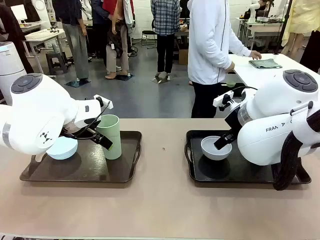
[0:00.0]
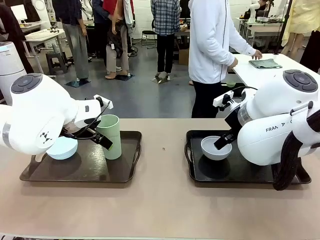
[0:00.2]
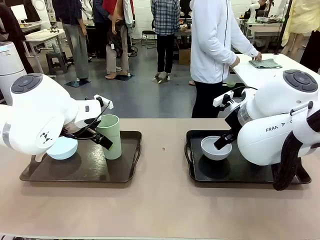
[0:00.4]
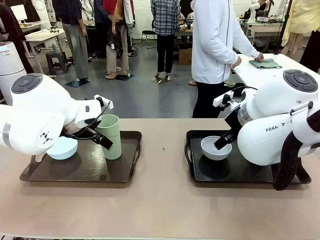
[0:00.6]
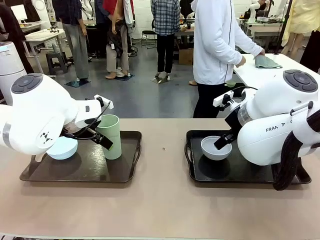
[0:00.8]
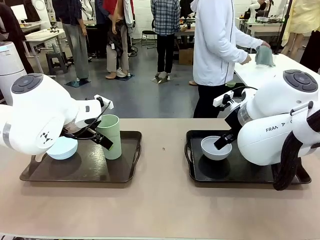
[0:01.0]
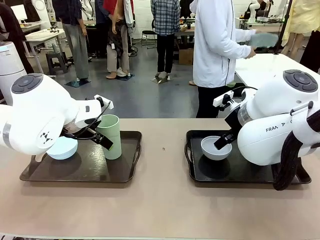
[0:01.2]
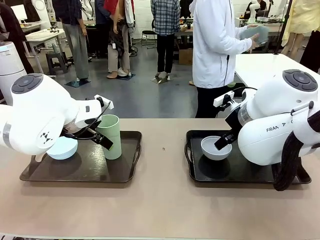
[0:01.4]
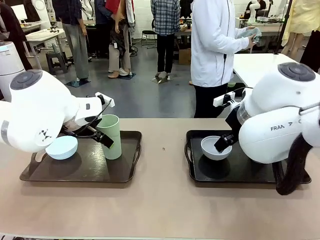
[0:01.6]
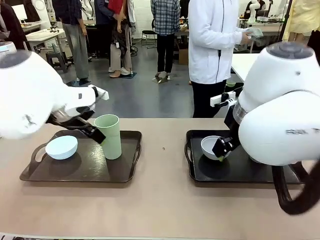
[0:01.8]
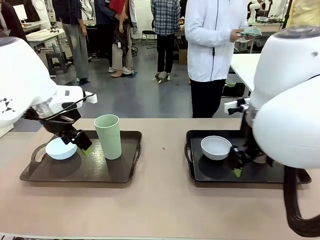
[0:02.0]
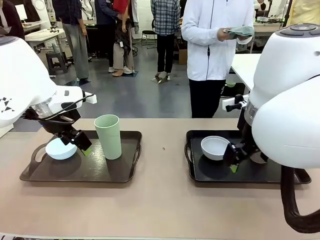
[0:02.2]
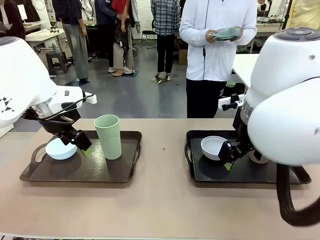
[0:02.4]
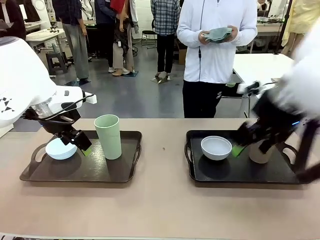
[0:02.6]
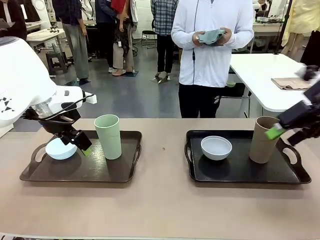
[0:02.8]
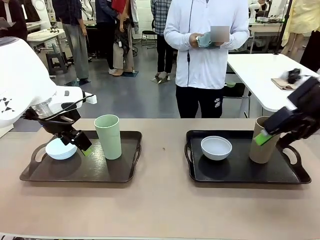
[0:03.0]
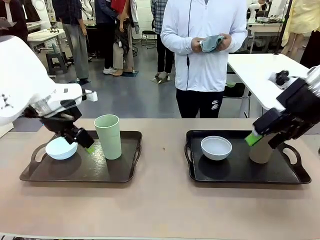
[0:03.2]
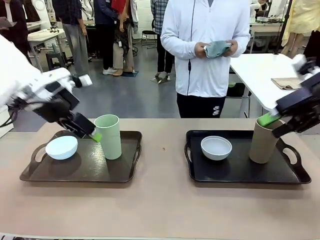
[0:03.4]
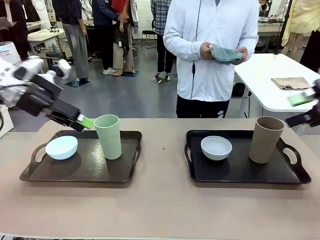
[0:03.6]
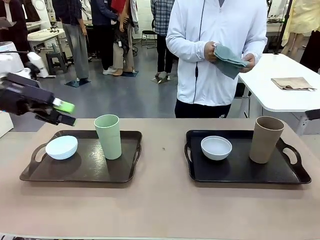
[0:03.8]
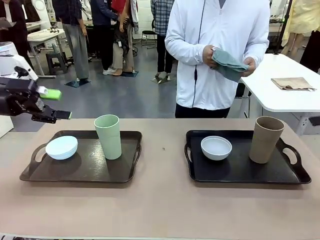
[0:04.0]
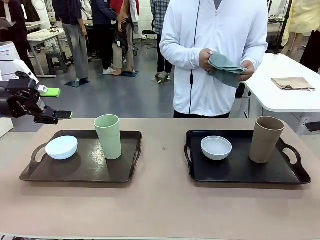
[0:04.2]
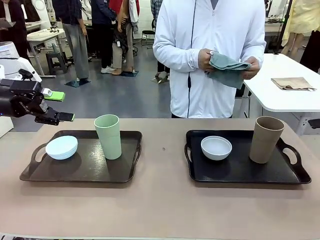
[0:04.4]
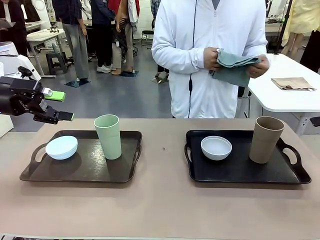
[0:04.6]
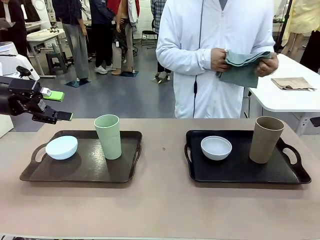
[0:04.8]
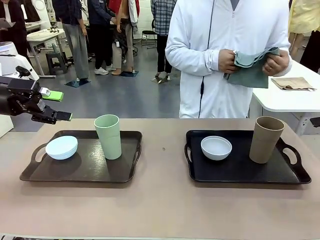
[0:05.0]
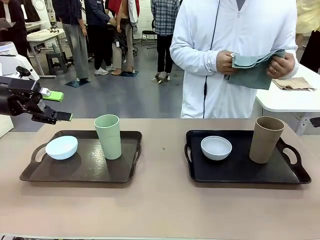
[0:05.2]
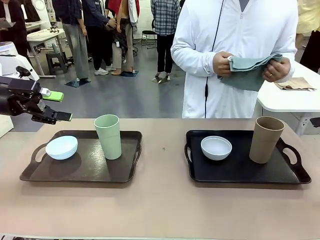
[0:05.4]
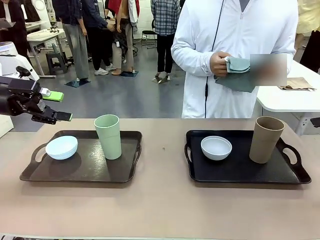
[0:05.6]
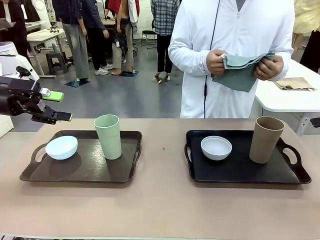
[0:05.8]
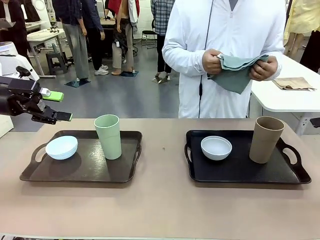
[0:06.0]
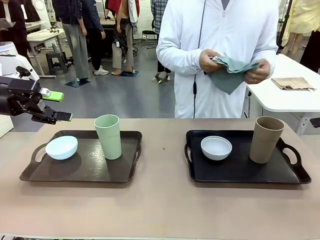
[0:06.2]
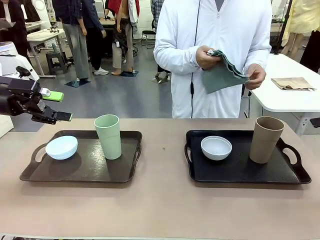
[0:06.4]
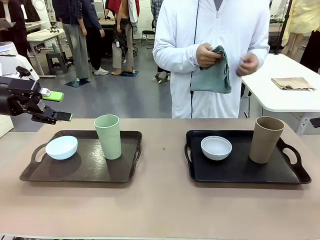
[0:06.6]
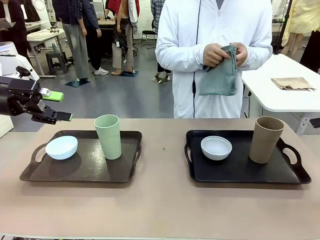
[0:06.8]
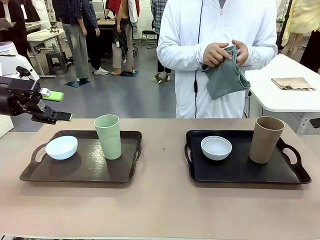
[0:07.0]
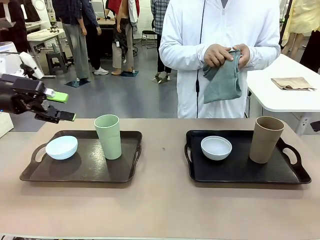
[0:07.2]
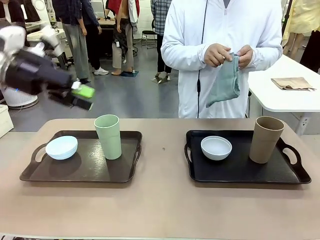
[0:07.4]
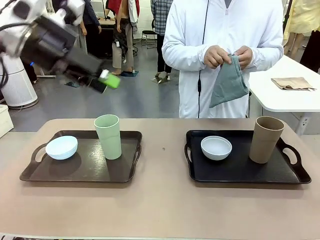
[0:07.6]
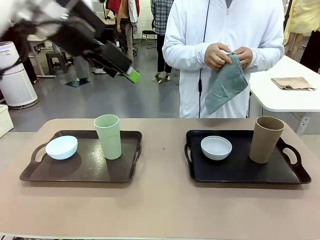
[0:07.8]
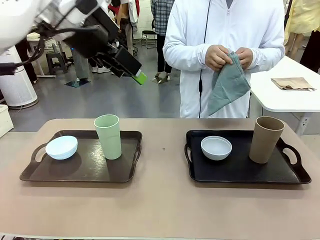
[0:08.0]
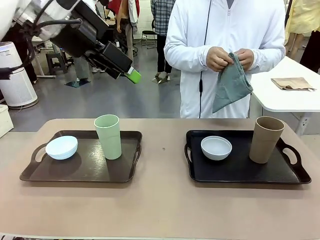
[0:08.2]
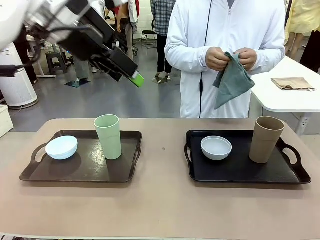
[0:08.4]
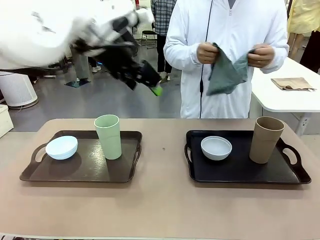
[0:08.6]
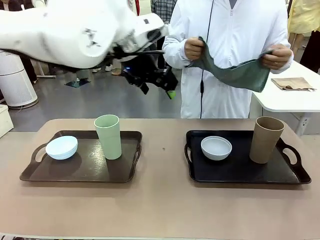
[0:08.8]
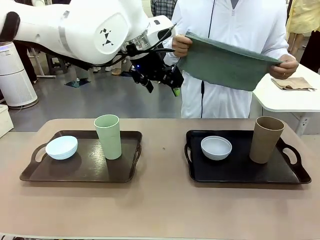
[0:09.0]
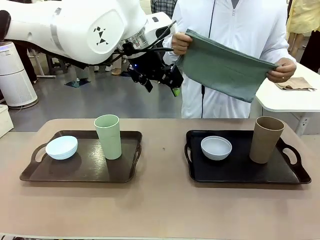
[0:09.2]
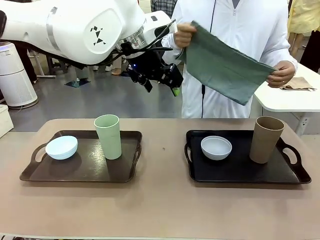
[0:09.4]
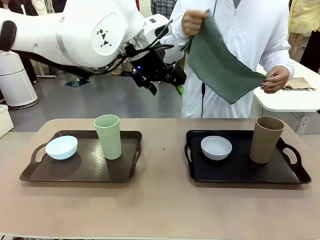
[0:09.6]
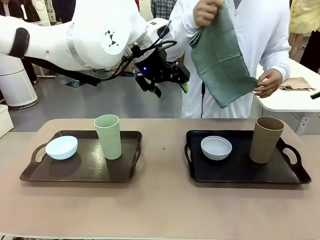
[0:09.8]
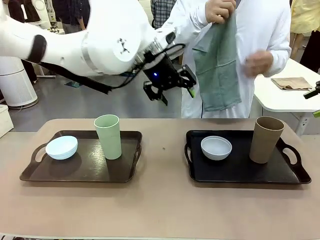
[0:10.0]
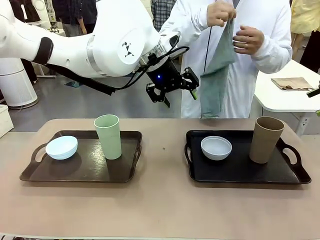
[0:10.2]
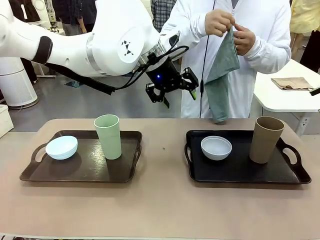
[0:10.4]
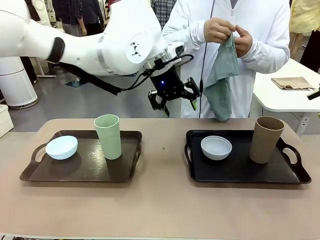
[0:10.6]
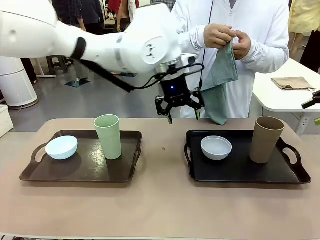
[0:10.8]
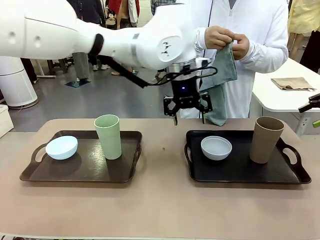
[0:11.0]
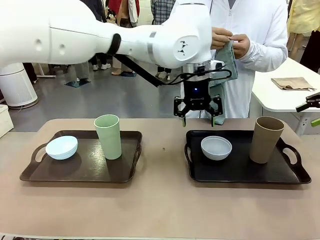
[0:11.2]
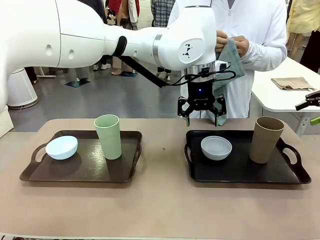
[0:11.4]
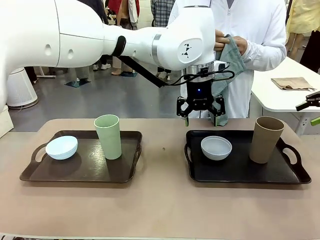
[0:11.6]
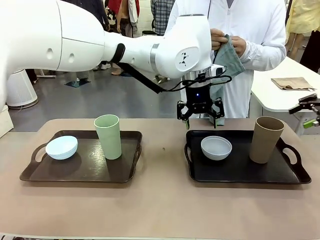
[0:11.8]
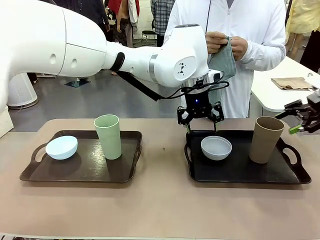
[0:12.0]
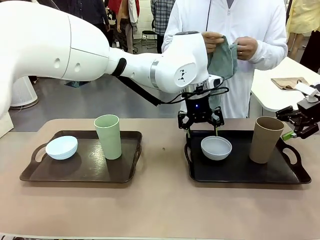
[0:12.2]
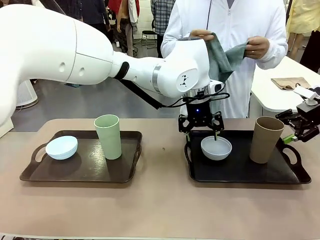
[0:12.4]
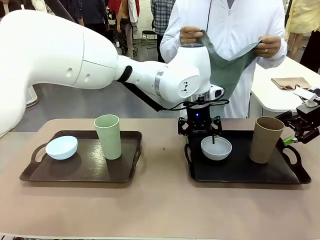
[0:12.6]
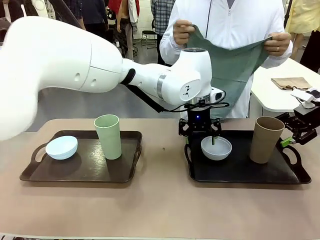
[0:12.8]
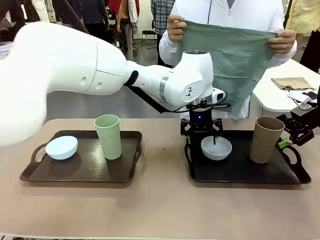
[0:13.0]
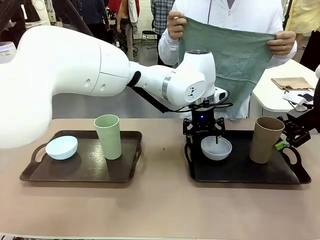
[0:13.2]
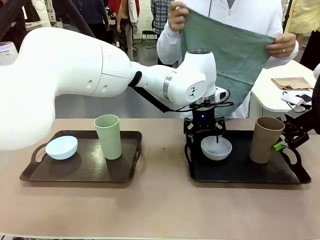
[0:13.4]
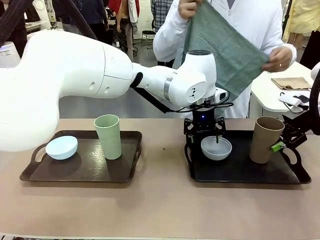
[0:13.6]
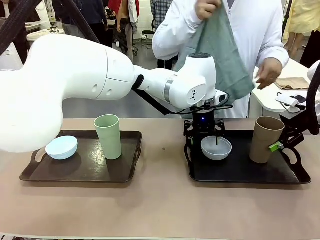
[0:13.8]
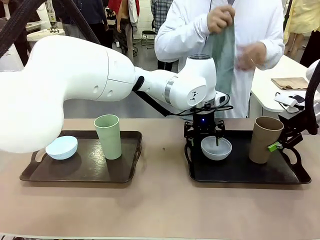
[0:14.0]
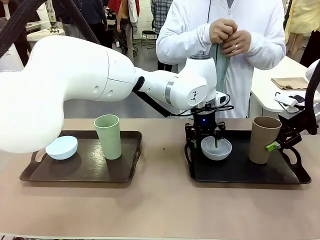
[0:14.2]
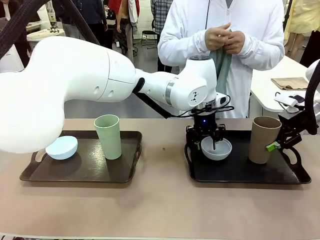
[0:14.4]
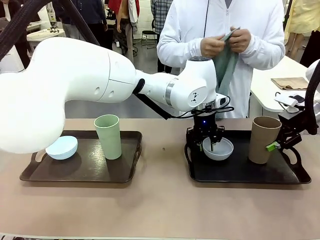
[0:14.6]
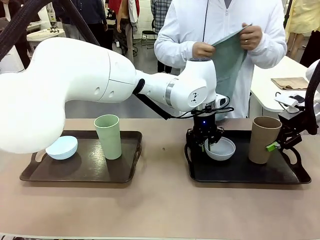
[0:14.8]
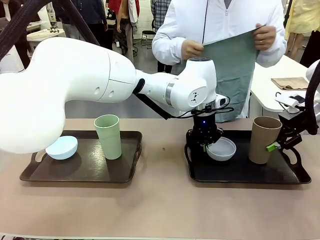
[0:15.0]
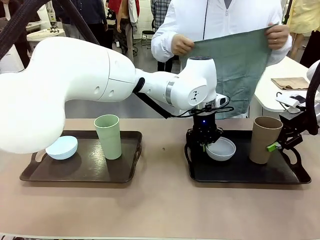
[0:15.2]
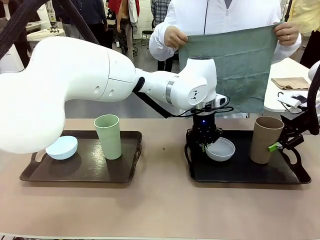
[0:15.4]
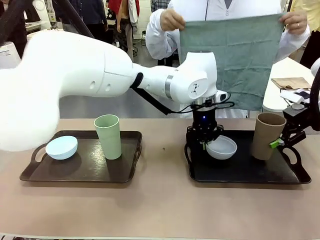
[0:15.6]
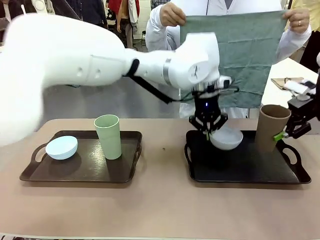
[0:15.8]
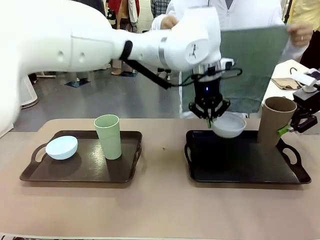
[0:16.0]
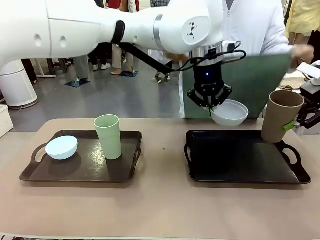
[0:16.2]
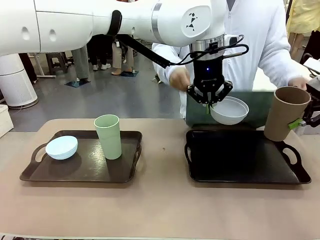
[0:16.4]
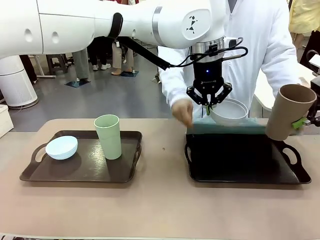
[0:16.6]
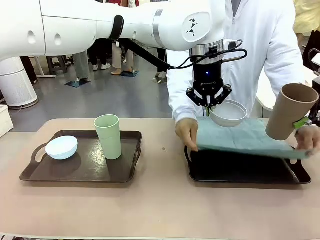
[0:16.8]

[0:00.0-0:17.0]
Robot: Pick up the Picnic Bowl and Reusable plastic cup from the Handle tray in front of the human's position and hold them in the air.
Person: The human picks up the top napkin from the stack on the human table and walks to the robot table to stand in front of one of the two trays. When the robot lifts the bowl and the cup, the human unfolds the napkin and lays the napkin flat on the tray.

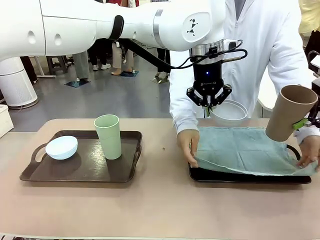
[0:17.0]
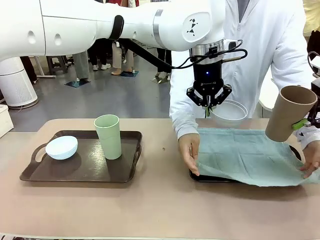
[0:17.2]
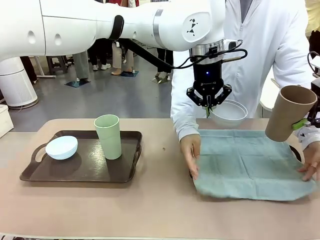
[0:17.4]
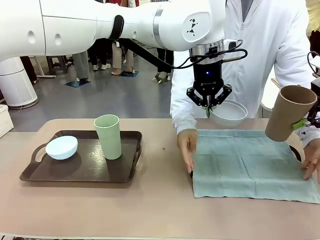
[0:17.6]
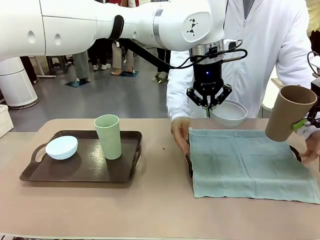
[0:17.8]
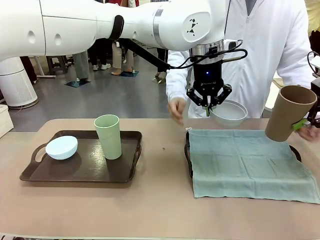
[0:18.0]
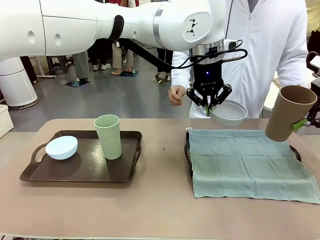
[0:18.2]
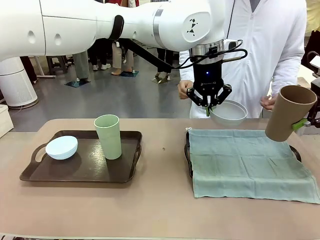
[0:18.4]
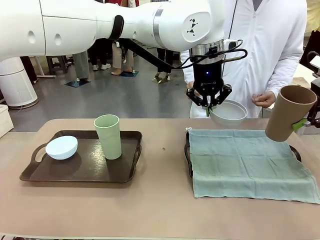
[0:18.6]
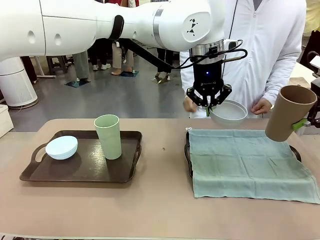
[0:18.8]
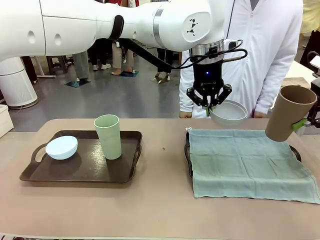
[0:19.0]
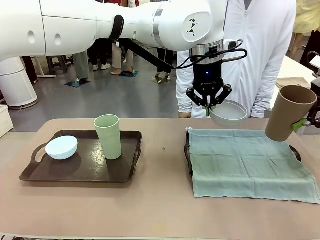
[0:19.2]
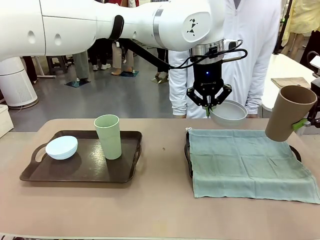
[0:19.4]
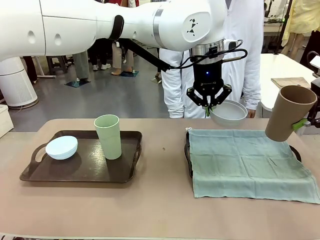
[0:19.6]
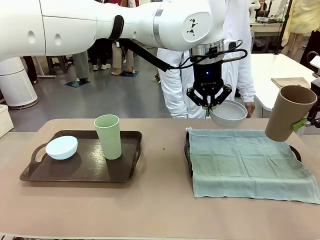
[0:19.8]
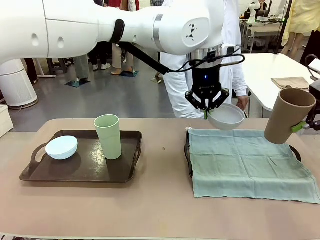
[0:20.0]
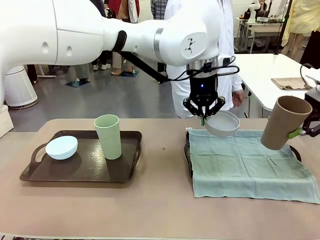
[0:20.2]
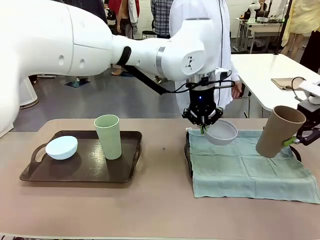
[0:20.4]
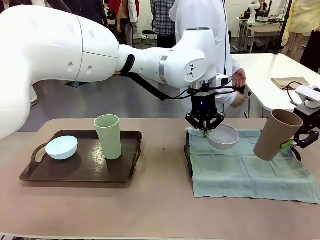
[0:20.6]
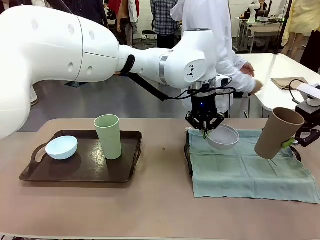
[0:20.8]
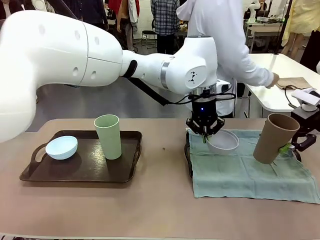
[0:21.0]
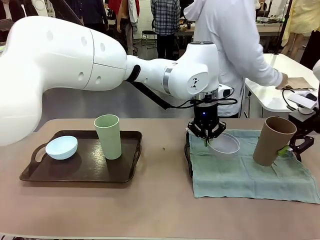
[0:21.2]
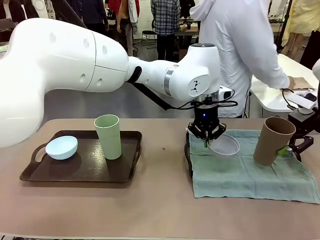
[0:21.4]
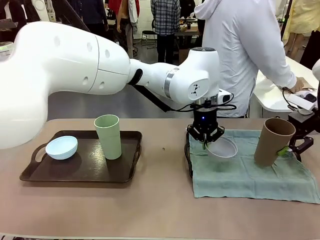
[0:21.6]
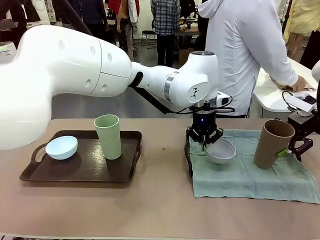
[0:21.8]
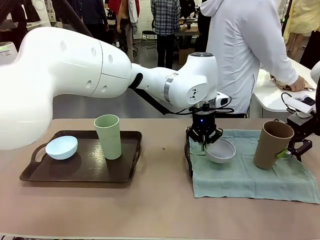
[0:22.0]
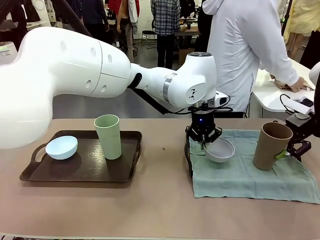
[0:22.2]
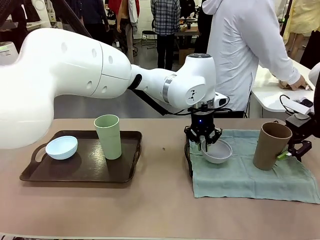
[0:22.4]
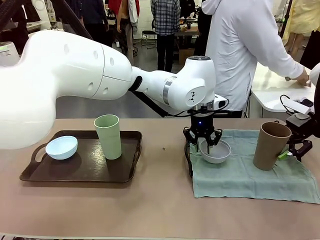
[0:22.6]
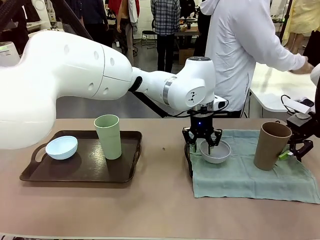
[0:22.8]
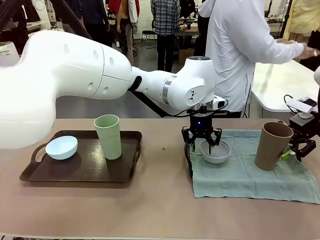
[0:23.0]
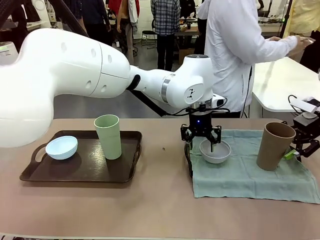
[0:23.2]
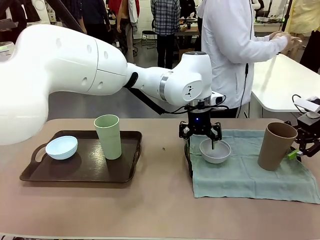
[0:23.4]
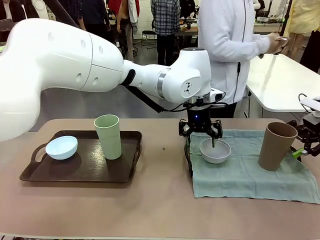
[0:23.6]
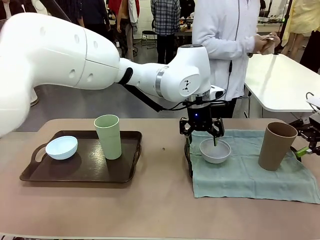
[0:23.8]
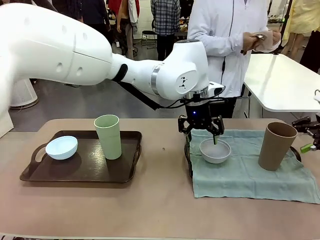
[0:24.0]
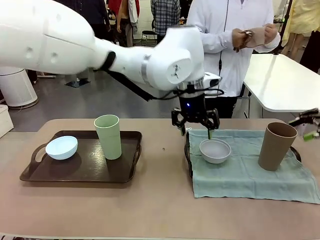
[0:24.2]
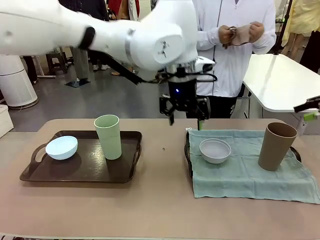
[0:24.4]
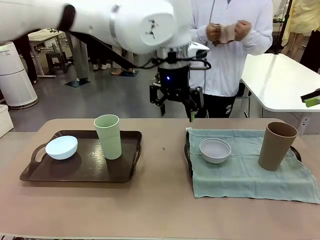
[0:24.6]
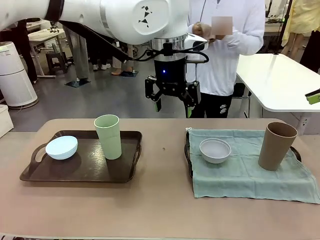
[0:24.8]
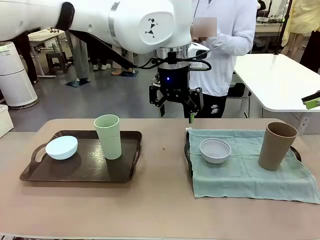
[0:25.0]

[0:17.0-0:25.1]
Robot: Place the Picnic Bowl and Reusable plastic cup back onto the Handle tray in front of the human's position.
Person: The human returns to the human table to pick up another napkin and walks to the robot table to stand in front of the tray without a napkin.
